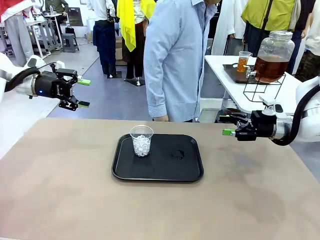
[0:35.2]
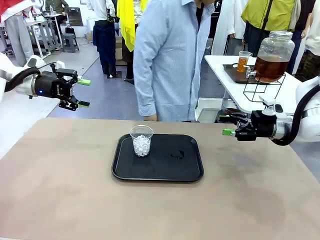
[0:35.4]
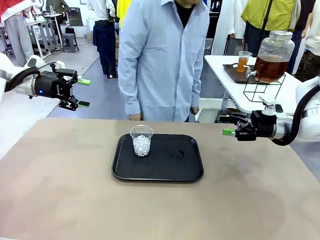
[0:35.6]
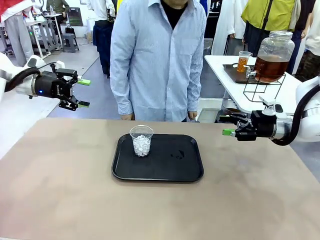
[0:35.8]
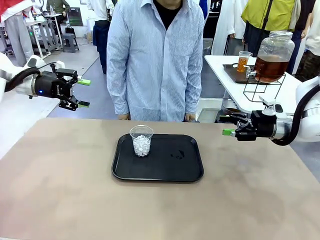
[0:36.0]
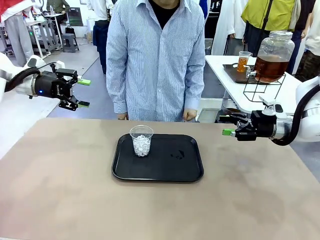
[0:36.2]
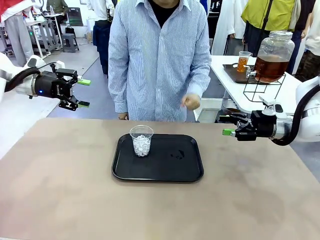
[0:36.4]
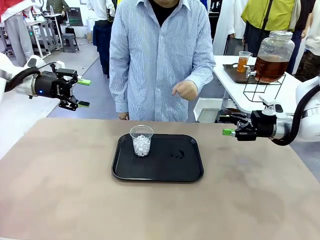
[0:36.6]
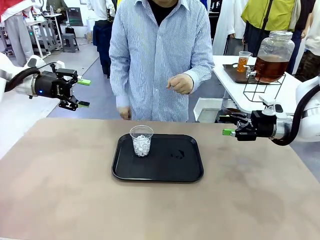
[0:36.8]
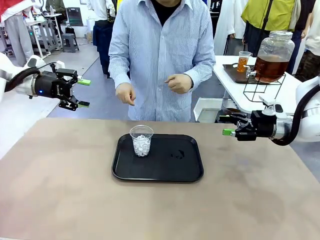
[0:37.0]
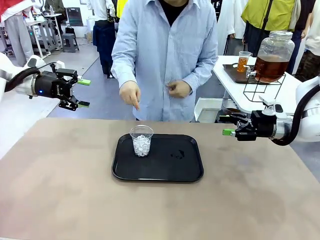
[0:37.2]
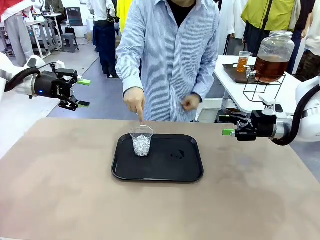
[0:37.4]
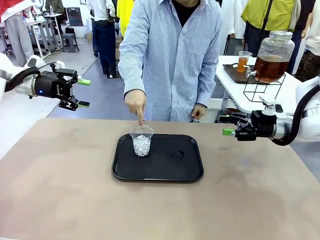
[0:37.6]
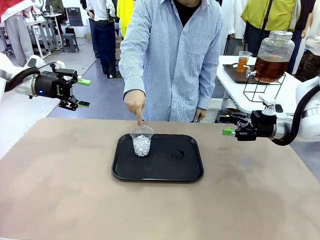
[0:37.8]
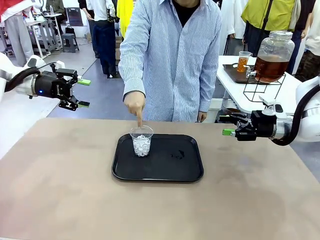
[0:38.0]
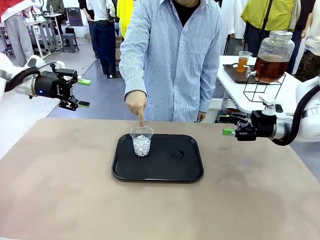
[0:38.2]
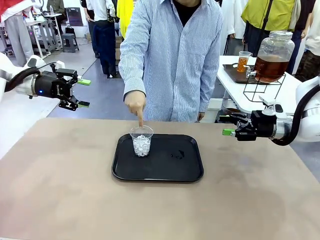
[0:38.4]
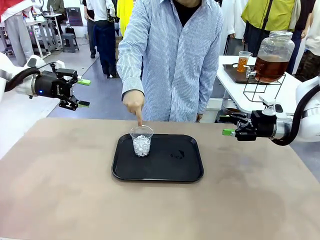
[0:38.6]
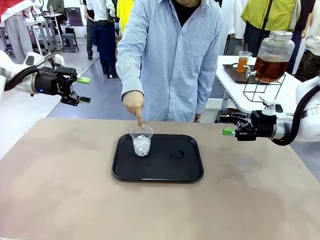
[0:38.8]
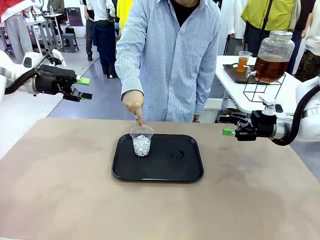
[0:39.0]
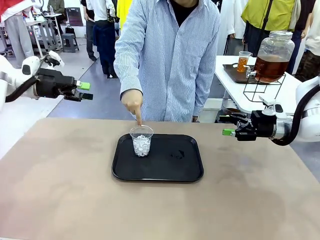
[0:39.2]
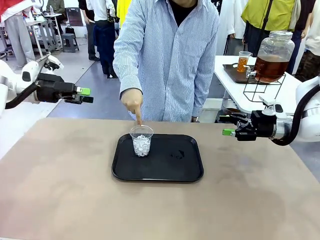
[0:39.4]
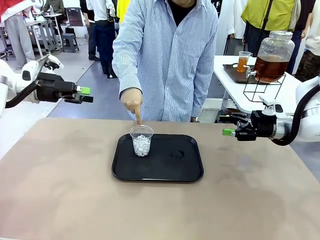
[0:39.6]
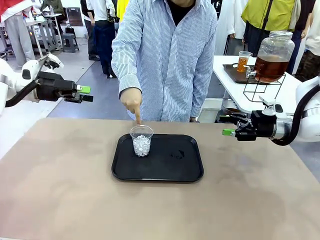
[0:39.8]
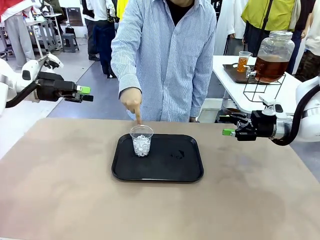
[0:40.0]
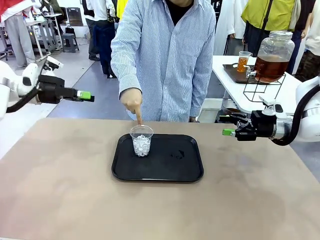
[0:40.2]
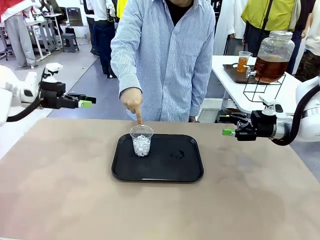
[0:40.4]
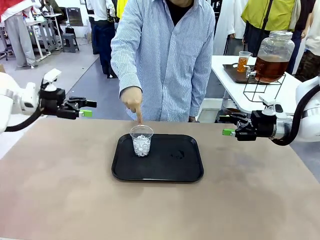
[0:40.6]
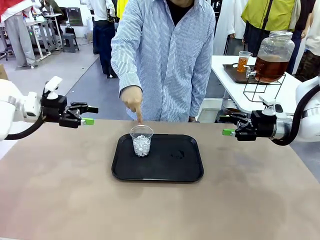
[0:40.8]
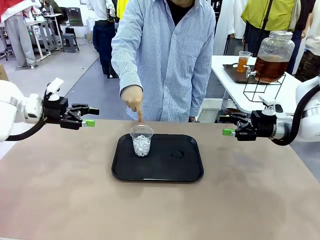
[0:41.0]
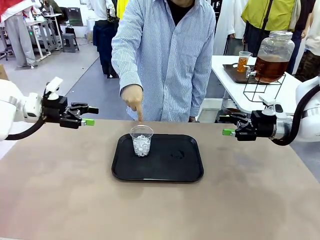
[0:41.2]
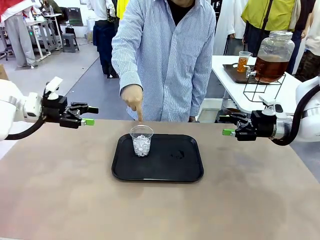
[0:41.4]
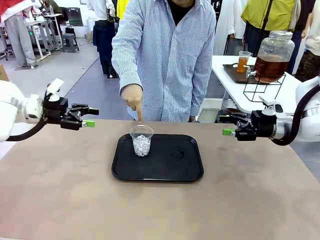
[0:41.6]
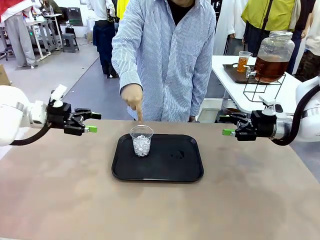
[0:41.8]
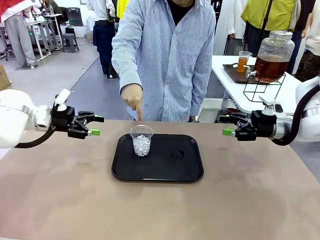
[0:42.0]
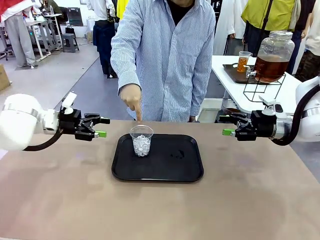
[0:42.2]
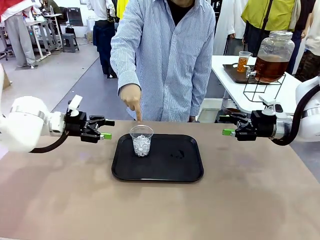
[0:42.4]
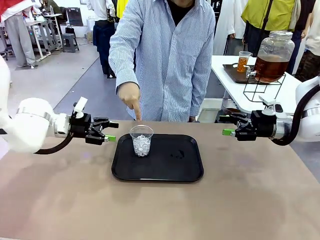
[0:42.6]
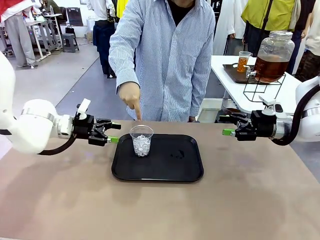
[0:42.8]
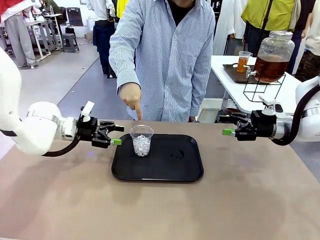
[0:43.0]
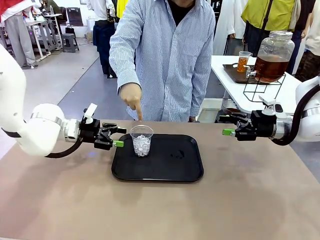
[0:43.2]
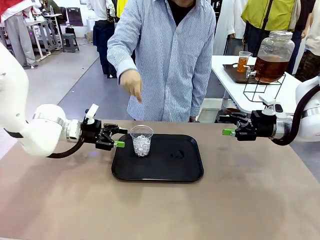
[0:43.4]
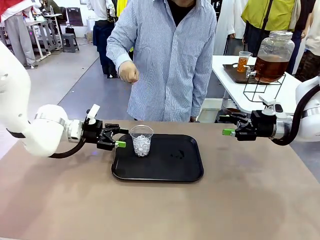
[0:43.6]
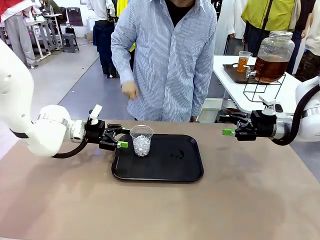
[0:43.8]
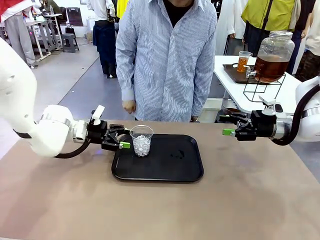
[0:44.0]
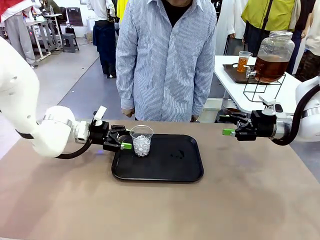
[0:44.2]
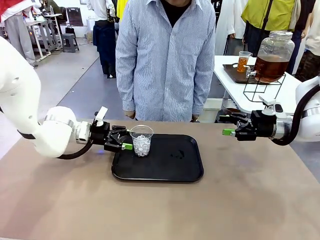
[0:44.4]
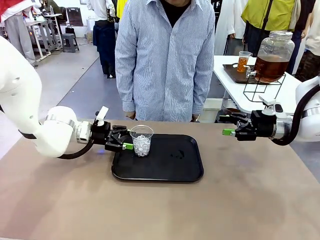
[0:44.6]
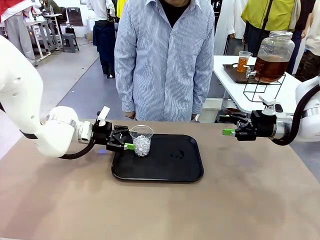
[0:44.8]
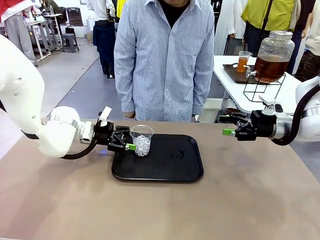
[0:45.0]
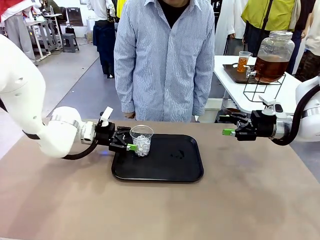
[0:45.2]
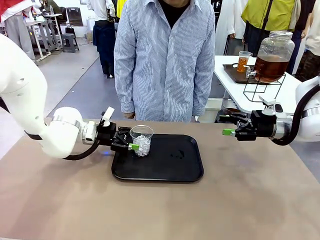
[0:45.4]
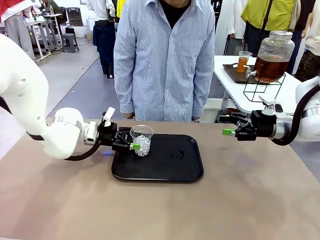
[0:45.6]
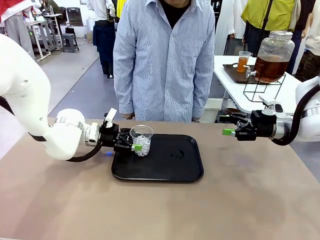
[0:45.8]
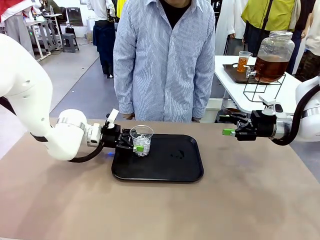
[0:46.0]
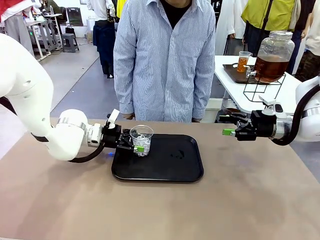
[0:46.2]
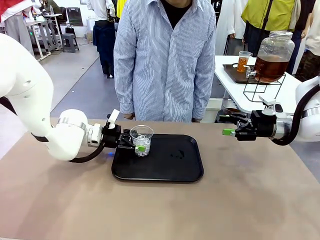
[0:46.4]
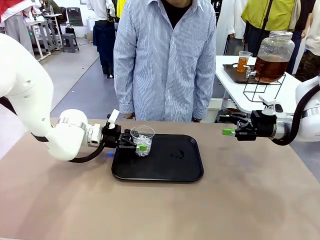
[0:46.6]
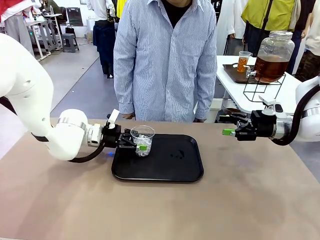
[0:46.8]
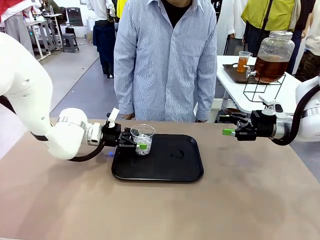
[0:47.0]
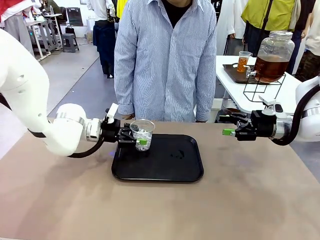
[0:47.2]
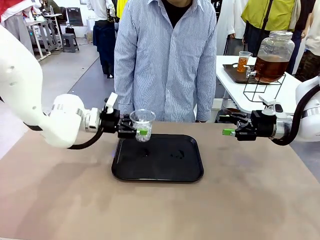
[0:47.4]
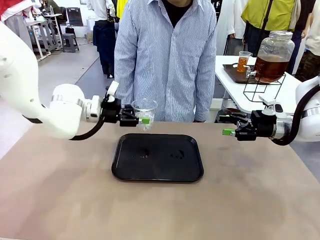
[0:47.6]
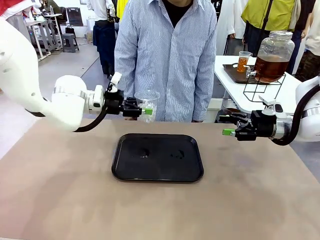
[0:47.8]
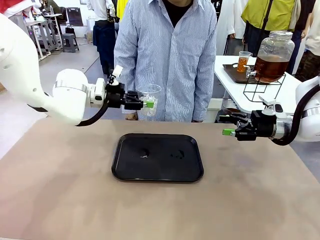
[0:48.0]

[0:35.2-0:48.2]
Task: Pour the drink into the iced cup.
Robot: Pick up the iced cup indicated by the human and present it to them.
Person: Point to the remaining ice cup on the robot table. Pick up the cup offered by the robot.
